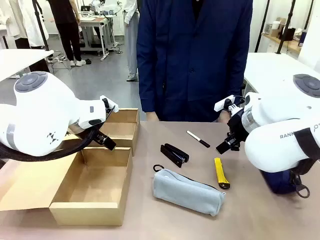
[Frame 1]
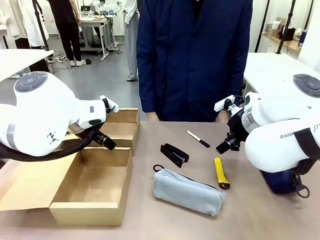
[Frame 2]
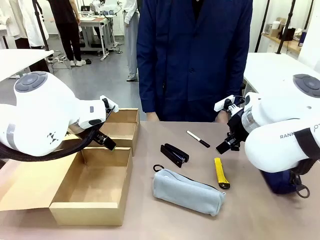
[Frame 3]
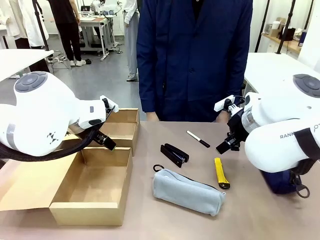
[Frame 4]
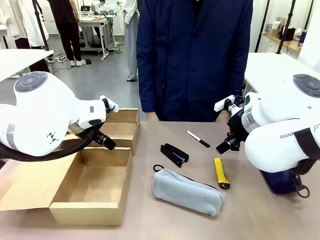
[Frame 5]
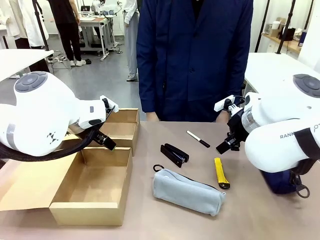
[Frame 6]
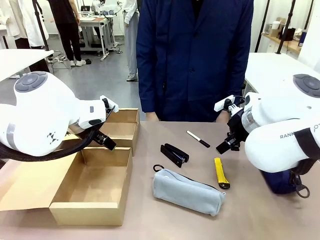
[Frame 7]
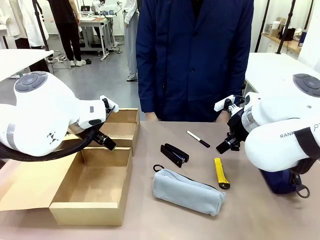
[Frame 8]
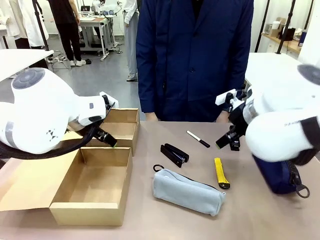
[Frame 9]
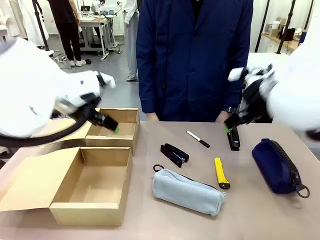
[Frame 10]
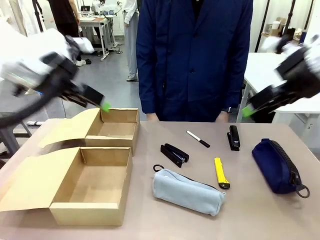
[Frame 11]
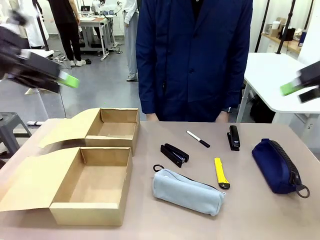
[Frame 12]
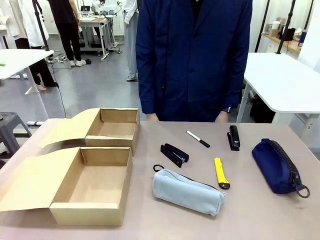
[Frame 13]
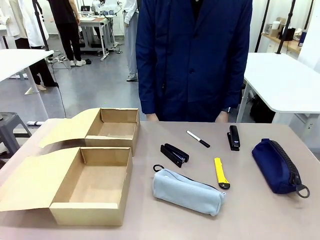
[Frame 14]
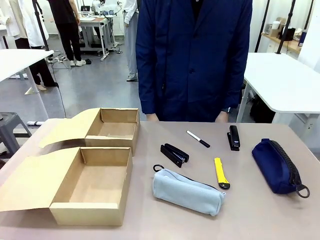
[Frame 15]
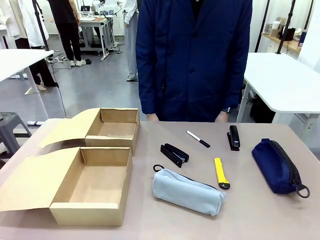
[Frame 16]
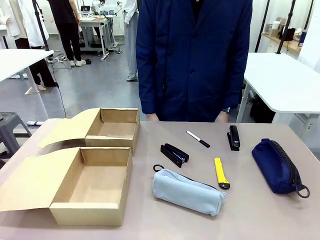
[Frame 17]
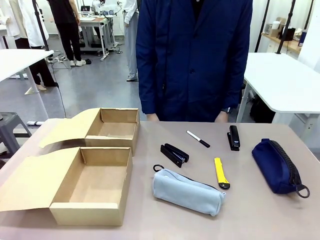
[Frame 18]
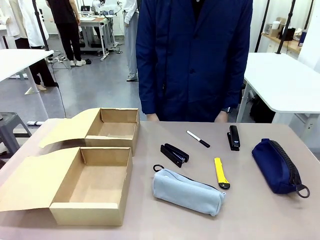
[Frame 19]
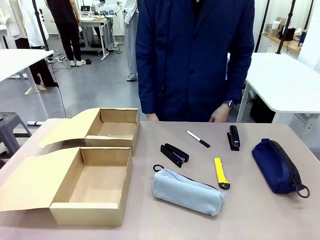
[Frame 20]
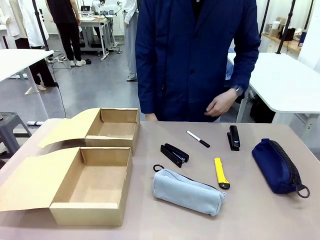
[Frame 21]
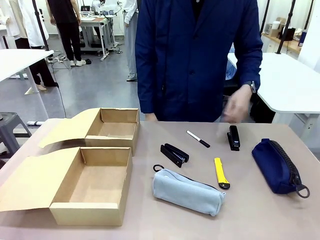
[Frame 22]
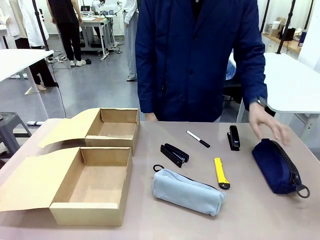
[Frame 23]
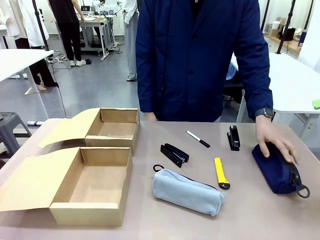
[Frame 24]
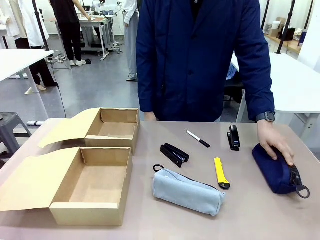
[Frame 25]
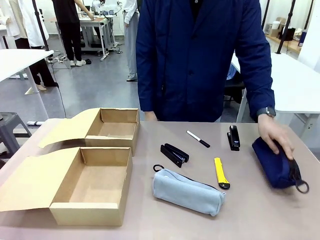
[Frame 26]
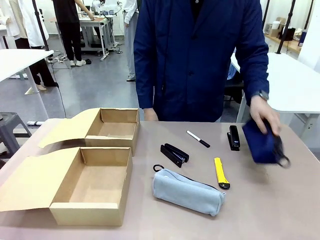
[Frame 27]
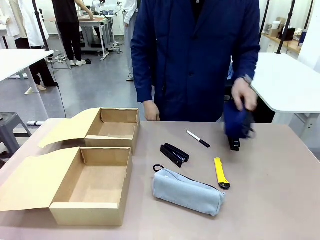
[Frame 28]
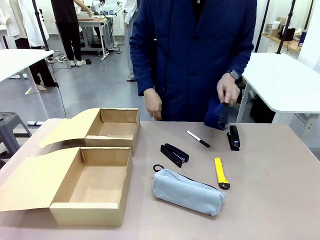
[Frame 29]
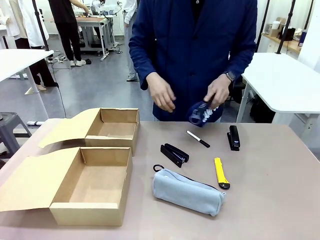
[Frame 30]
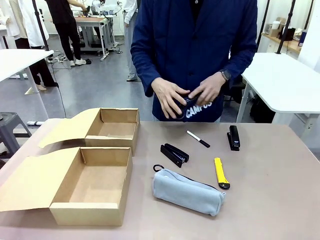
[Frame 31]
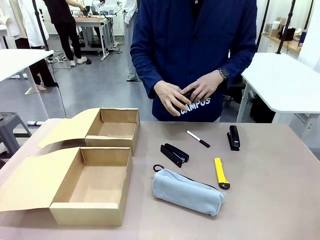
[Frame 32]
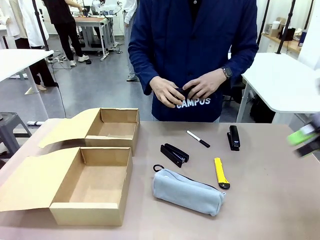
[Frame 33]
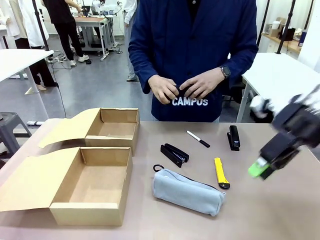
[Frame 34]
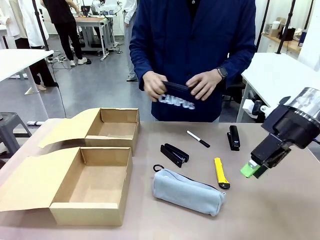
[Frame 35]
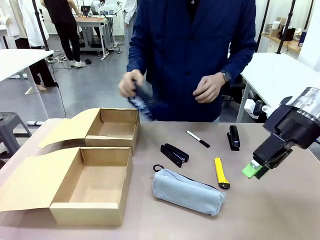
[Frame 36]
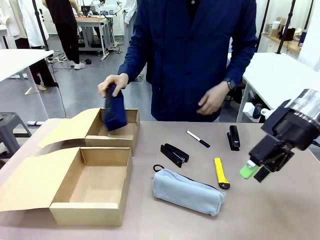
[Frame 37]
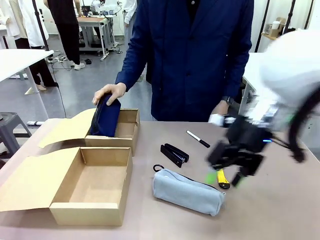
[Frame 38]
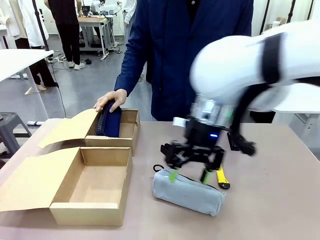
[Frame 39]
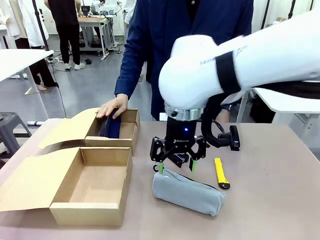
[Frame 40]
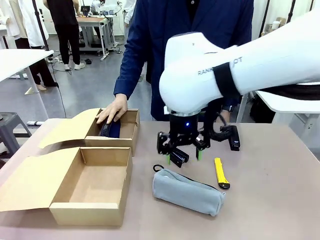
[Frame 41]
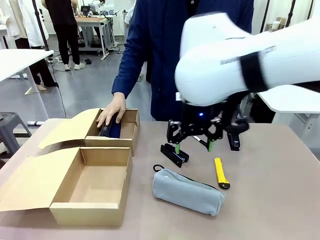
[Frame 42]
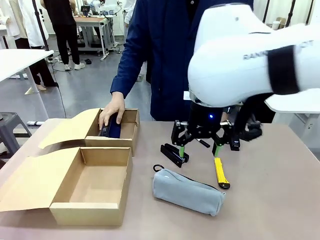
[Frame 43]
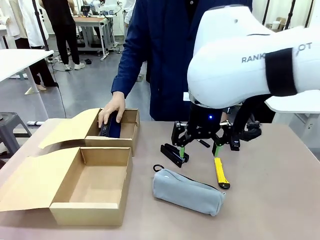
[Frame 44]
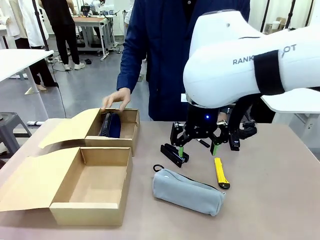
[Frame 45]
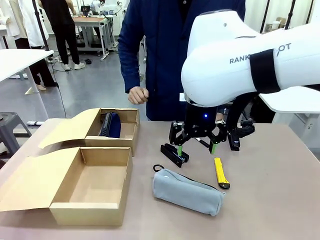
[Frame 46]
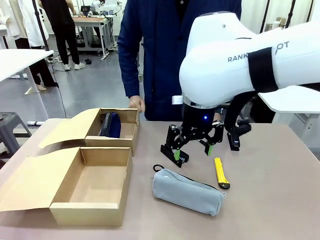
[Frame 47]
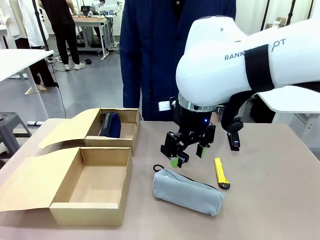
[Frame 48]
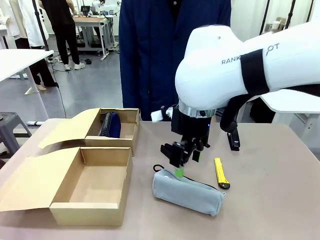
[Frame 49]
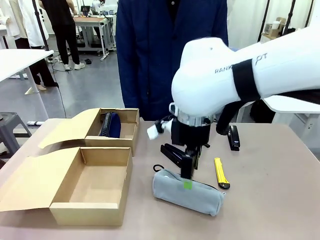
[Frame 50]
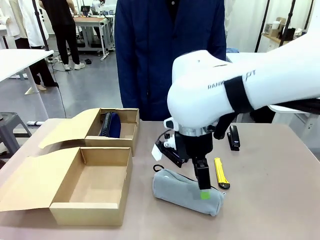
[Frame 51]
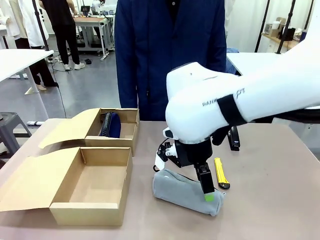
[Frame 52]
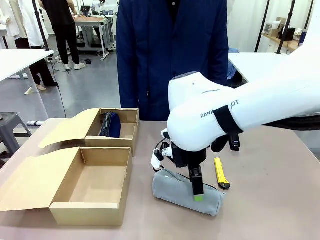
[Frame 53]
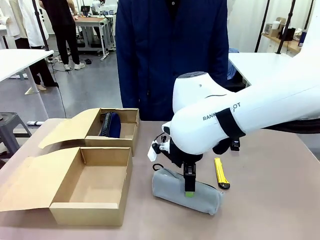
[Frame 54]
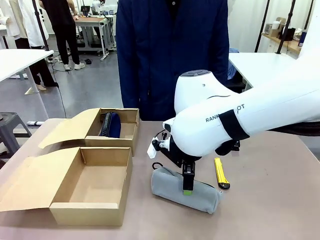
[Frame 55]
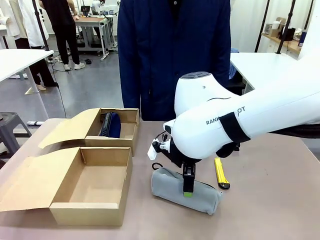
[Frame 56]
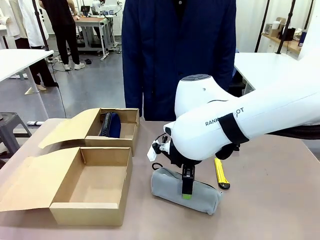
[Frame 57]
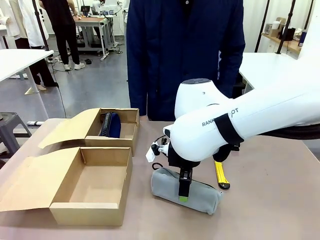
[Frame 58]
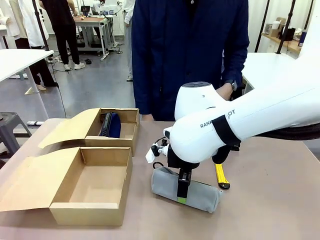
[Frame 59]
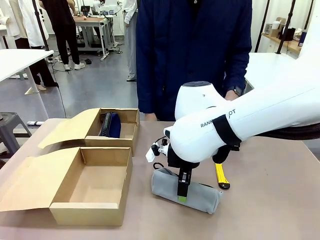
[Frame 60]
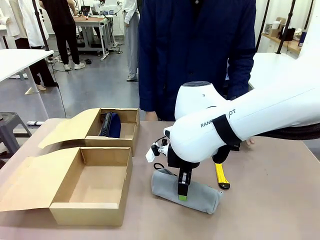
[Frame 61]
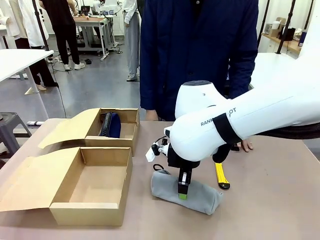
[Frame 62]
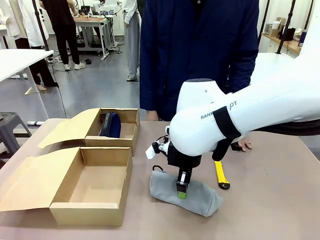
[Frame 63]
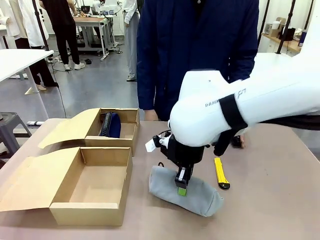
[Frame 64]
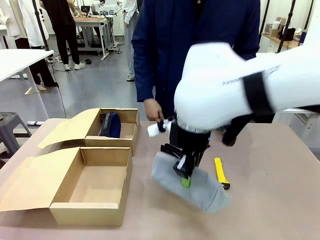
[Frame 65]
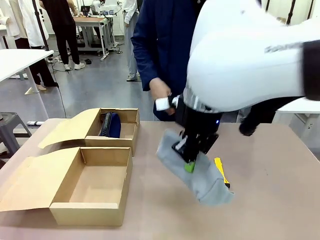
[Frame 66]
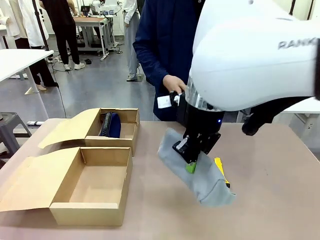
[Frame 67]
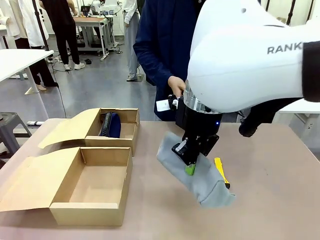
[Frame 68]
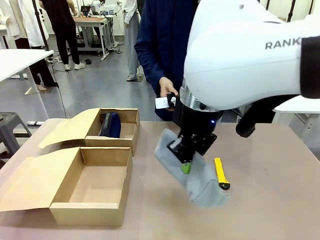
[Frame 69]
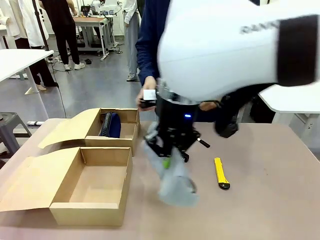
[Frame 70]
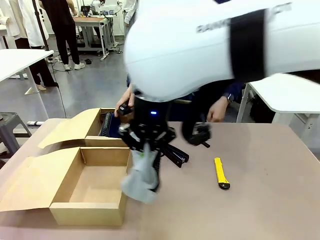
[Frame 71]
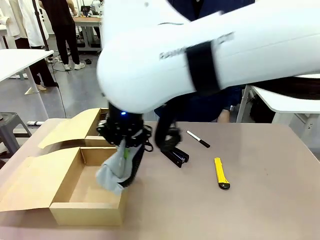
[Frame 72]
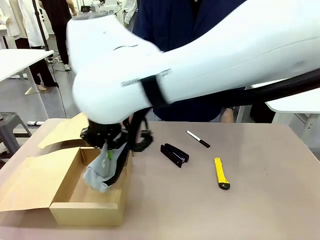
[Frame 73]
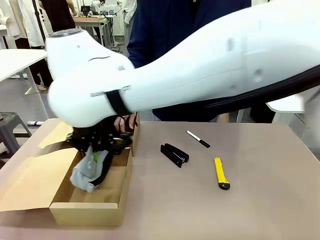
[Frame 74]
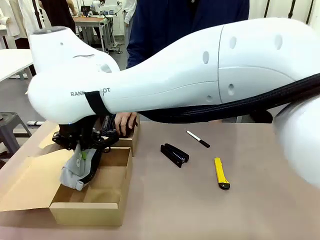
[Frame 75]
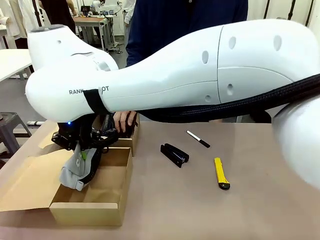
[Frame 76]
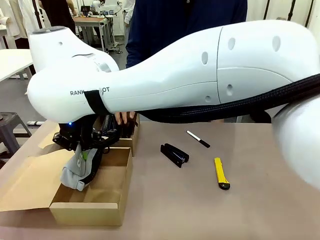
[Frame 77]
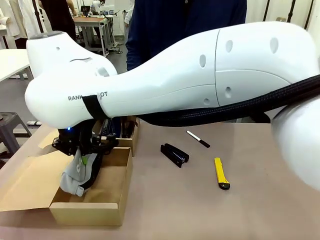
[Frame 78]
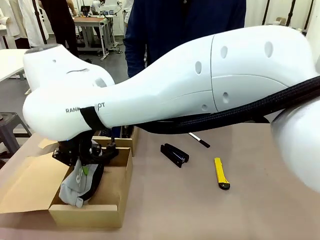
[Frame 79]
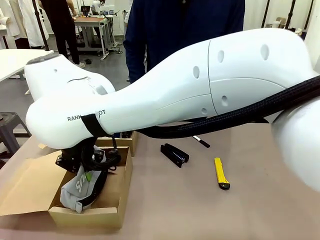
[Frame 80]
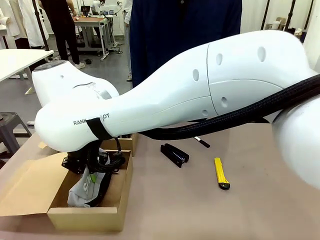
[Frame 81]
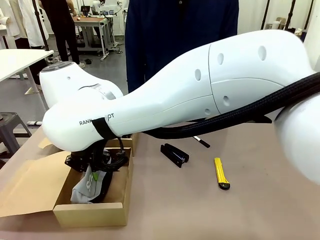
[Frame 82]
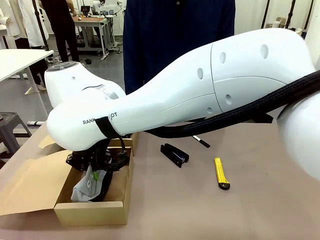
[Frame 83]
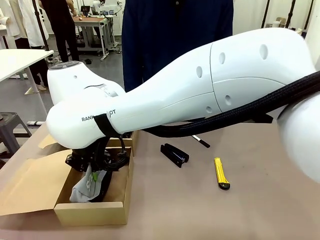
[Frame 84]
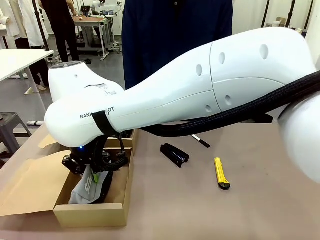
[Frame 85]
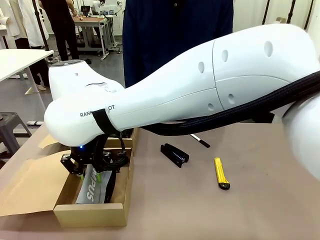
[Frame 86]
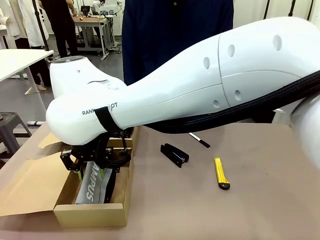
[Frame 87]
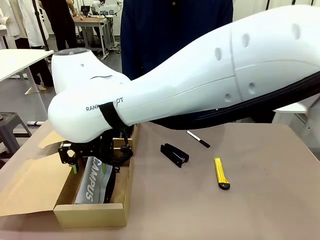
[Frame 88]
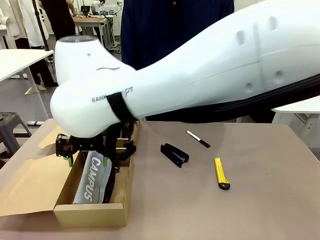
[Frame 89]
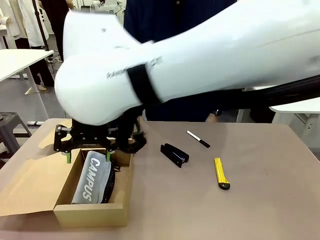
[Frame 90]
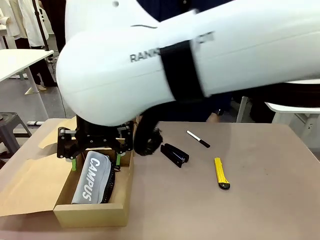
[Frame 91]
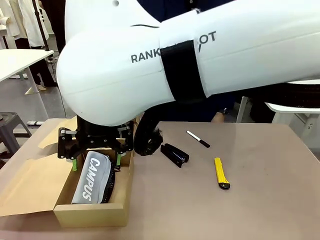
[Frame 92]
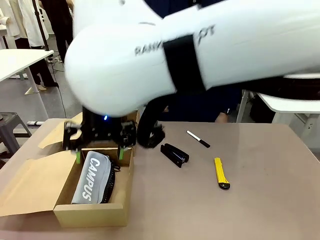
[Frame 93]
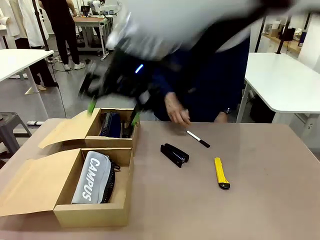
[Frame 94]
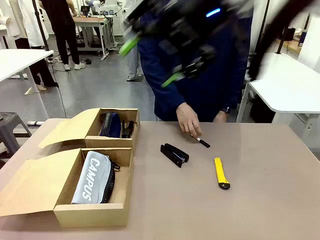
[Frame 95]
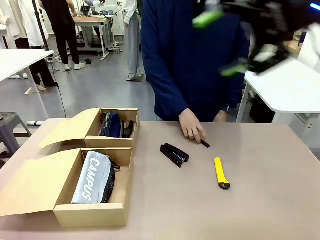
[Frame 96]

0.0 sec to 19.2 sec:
Task: Place items inside the box.
Robot: Pick up a Pencil pouch or Stapler and place it inside the Mailer Box closest to the robot.
Person: Pick up an object on the table and put it in the box.
